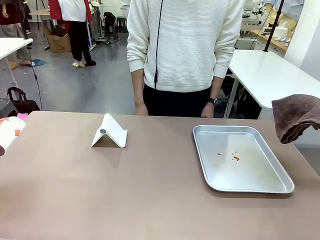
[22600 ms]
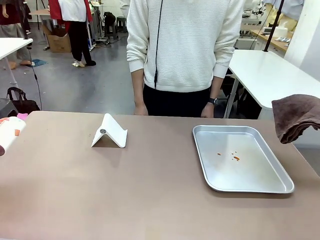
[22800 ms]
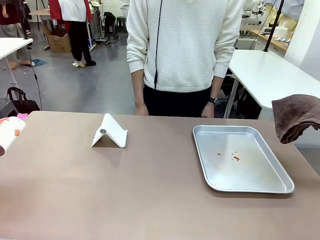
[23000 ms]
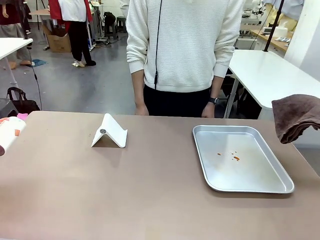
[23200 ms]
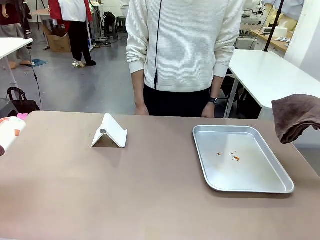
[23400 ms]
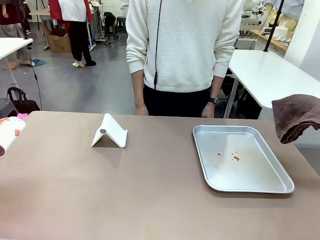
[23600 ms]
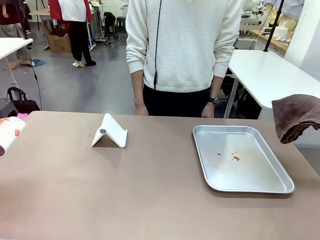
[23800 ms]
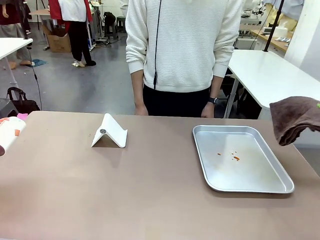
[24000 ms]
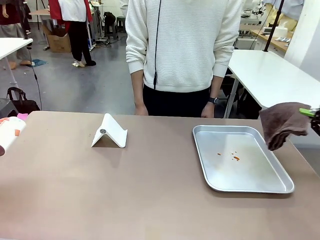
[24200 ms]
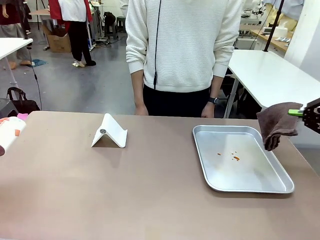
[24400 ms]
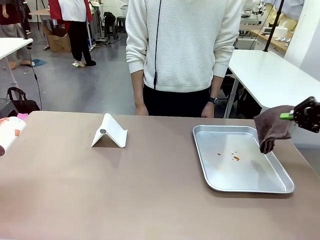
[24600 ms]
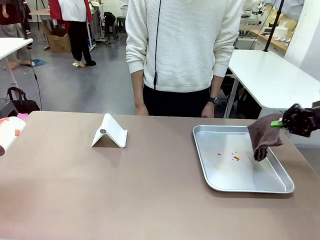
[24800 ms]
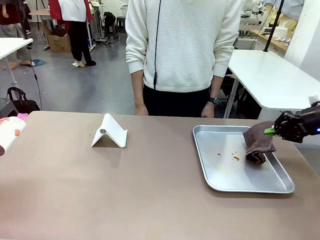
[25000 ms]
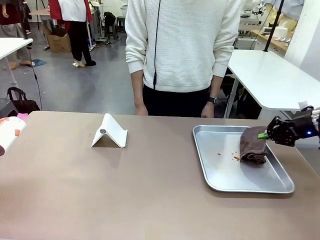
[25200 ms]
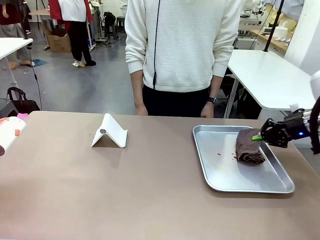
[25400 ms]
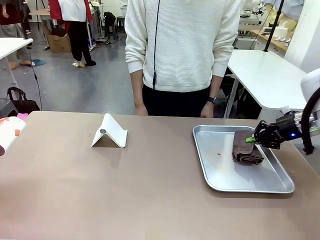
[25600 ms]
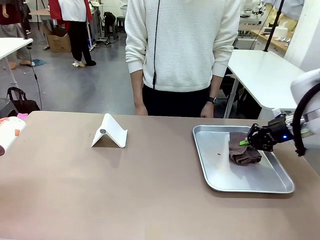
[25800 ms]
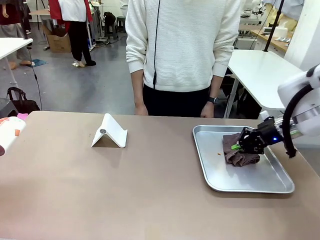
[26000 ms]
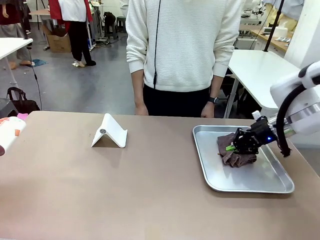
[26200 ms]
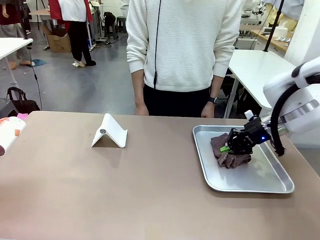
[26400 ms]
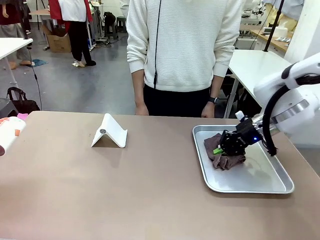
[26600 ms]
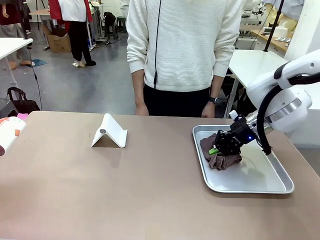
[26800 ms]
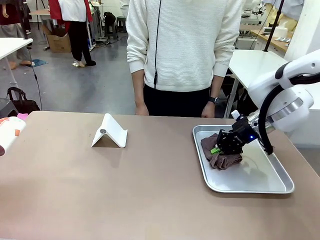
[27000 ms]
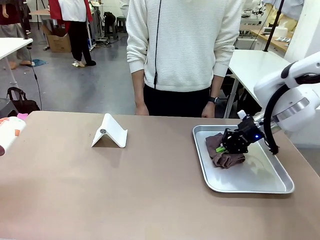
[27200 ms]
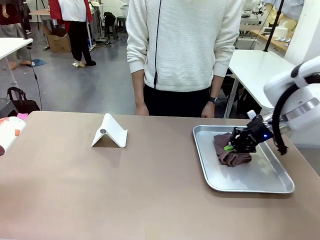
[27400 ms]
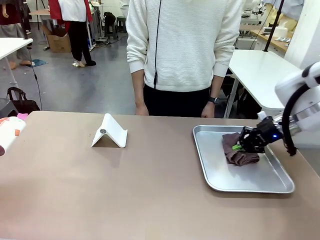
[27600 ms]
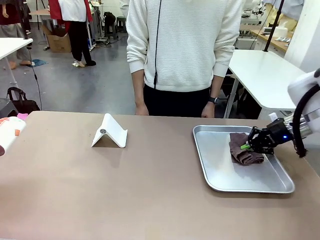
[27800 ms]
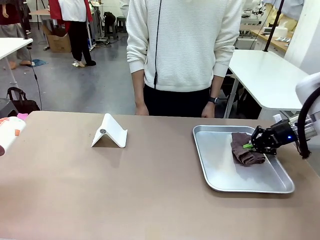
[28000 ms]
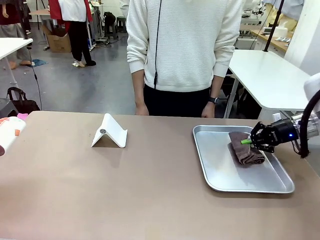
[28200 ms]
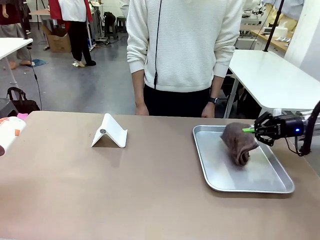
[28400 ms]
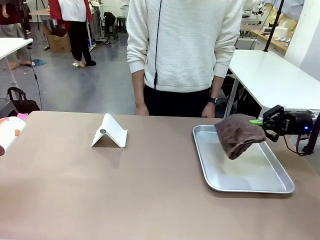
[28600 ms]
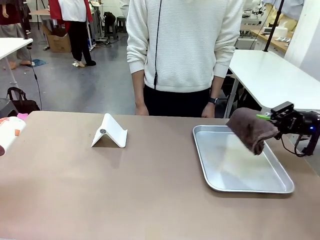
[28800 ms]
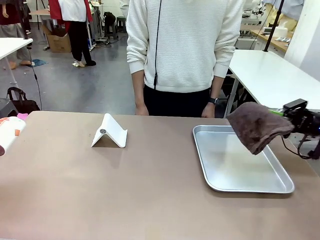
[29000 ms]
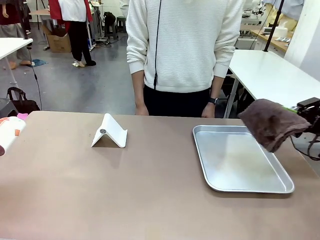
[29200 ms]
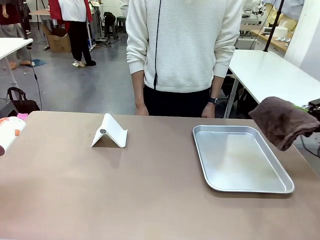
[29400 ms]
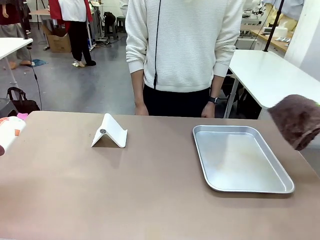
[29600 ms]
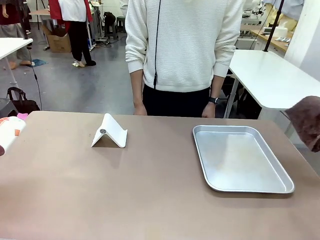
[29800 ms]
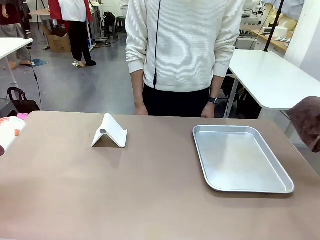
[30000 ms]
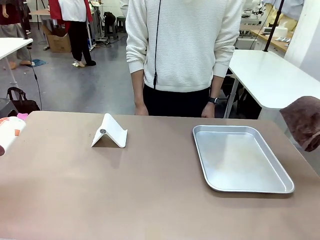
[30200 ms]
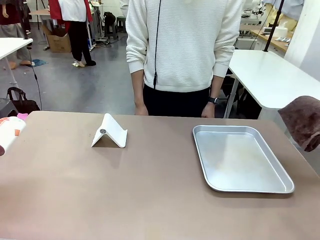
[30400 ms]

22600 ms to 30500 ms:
Task: Clean the surface of the table.
Robot: Clean the area not pointed to by the person.

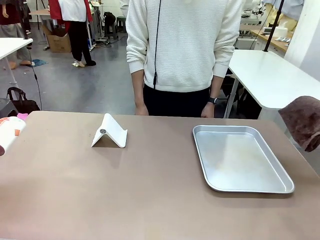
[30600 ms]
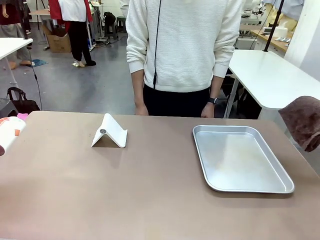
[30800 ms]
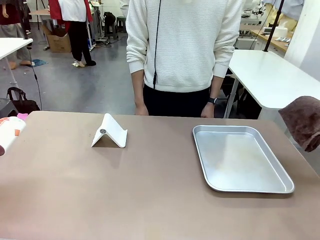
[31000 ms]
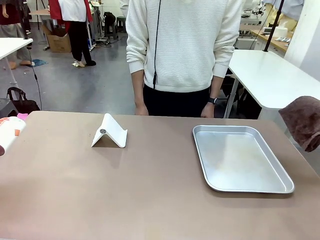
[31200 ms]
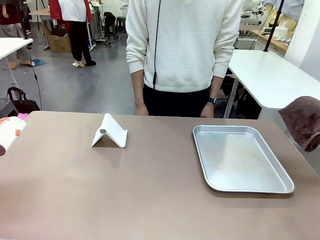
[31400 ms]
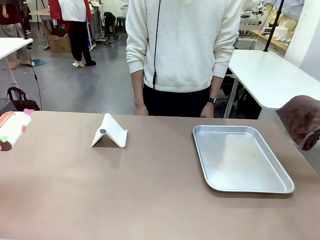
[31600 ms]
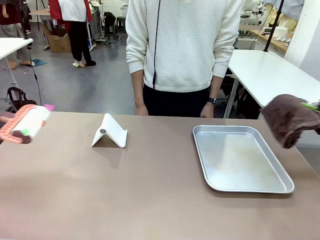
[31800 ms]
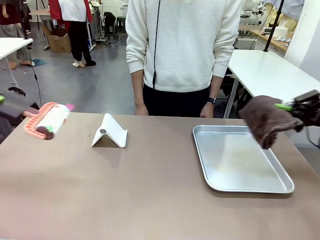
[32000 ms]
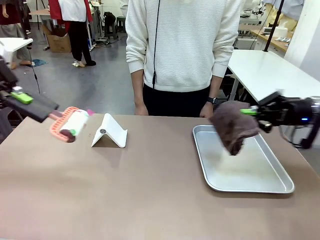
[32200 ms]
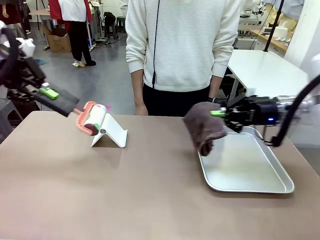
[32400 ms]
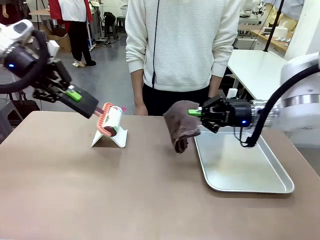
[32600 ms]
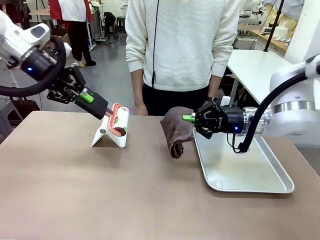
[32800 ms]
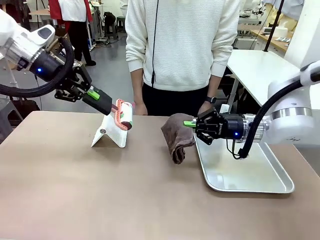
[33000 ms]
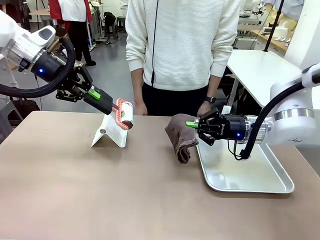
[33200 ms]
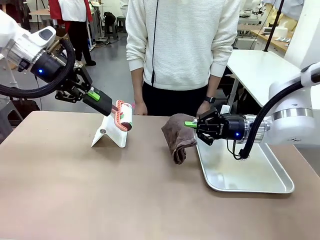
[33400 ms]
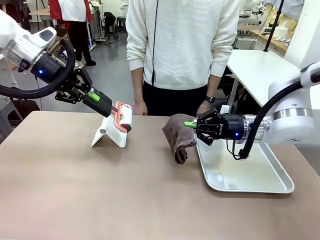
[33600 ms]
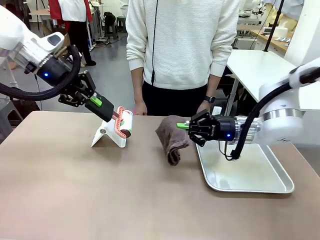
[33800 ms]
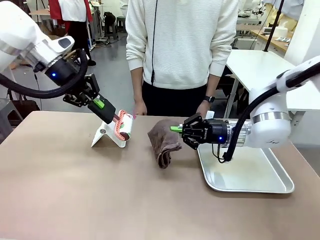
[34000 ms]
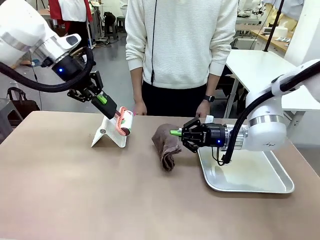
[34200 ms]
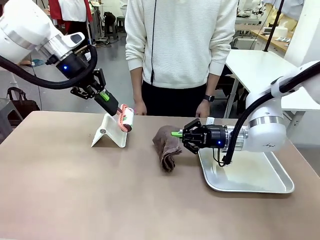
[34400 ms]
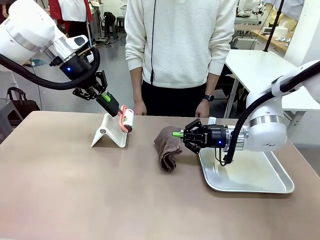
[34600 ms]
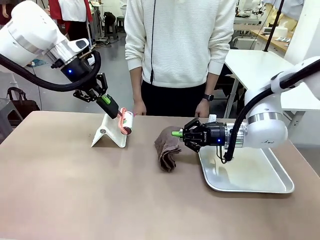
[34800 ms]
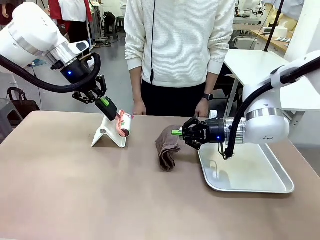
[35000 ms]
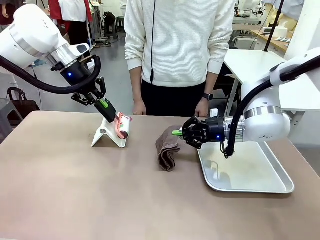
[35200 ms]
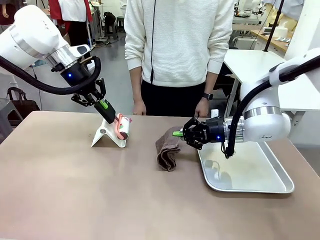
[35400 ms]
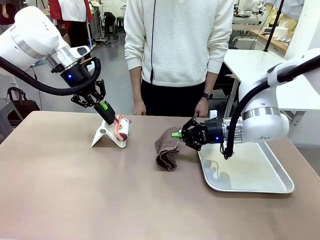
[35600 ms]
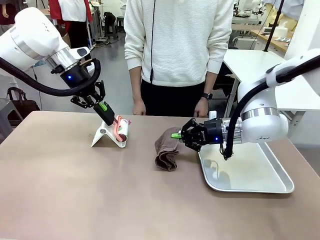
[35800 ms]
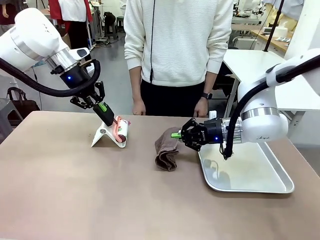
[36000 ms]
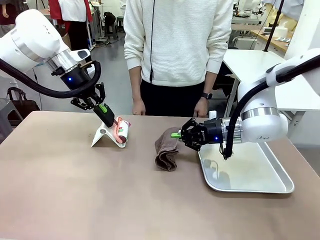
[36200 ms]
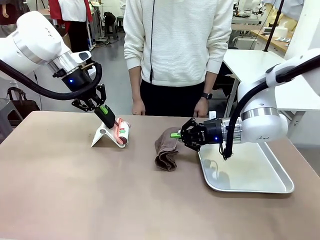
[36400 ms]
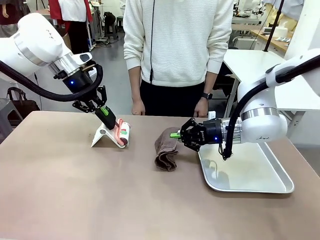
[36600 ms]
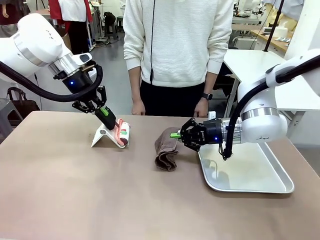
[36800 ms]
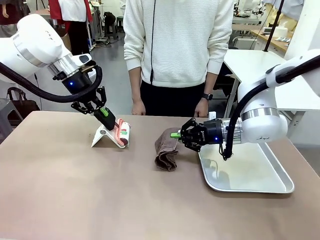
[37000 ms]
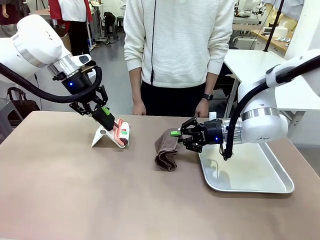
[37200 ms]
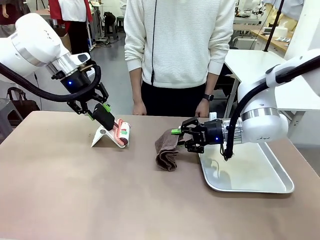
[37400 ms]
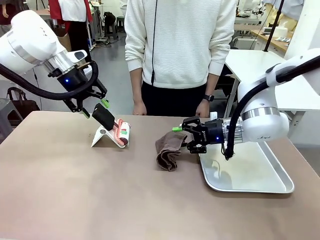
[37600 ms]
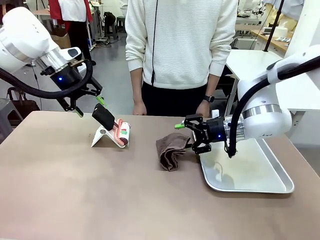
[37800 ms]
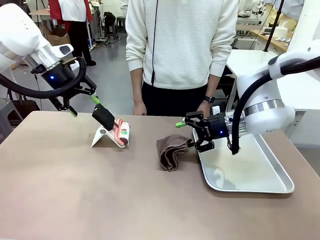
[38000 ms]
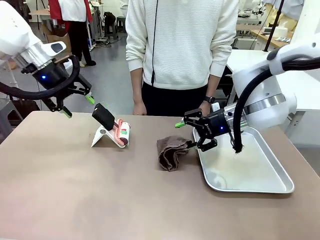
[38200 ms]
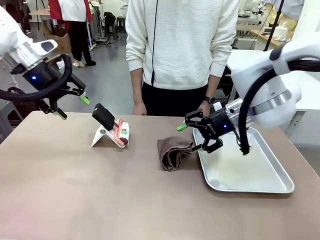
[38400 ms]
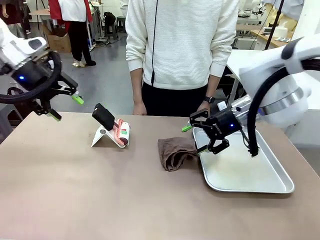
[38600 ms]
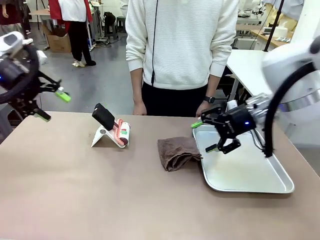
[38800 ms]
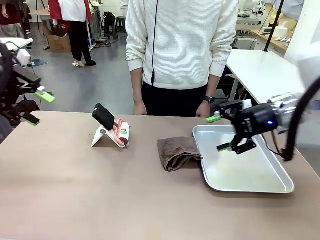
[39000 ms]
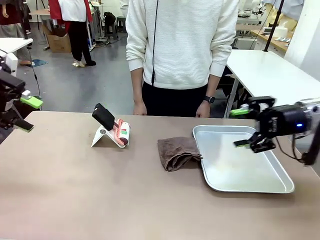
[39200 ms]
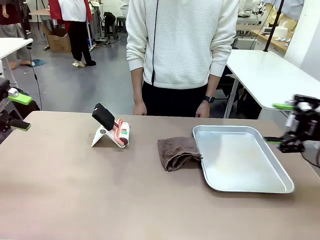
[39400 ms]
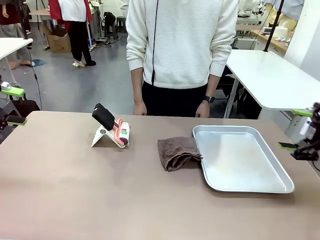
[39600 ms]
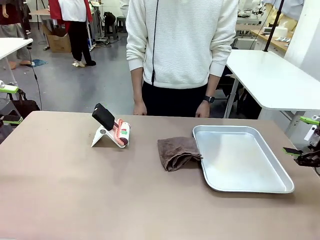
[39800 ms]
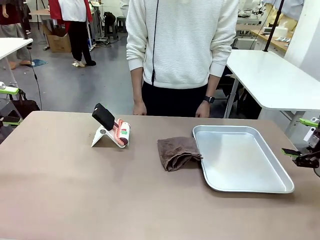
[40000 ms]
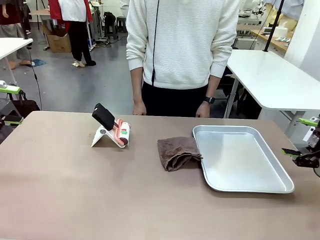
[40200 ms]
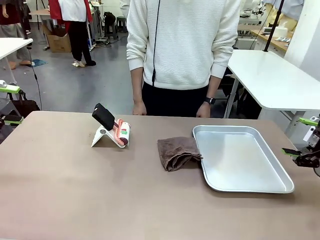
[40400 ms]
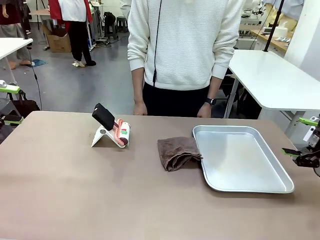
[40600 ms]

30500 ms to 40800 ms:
Robot: Return the Lint Roller and towel to their original positions.

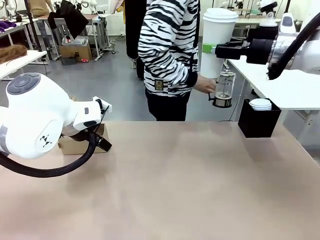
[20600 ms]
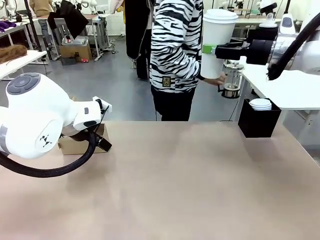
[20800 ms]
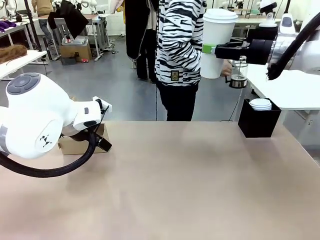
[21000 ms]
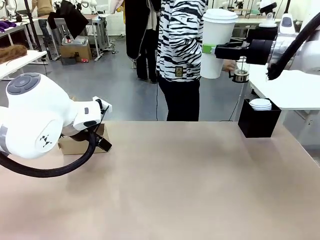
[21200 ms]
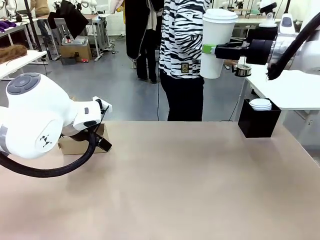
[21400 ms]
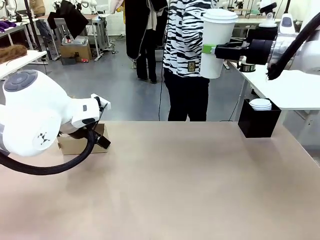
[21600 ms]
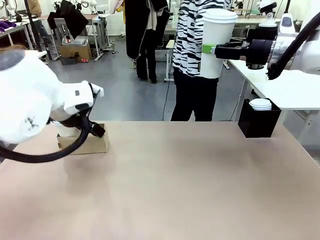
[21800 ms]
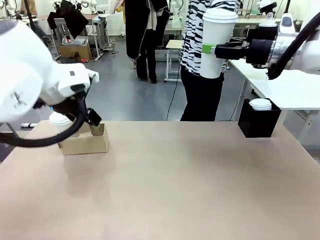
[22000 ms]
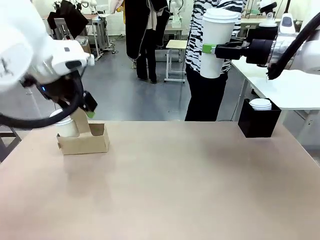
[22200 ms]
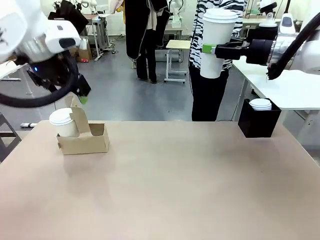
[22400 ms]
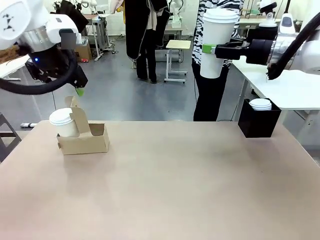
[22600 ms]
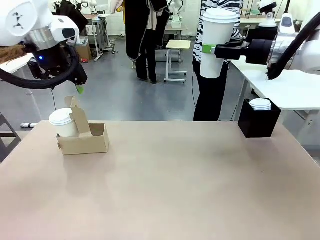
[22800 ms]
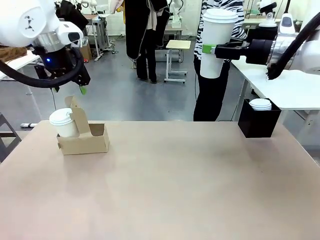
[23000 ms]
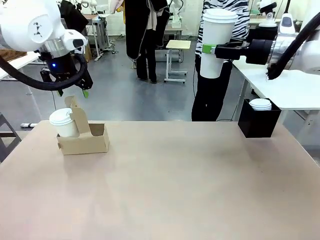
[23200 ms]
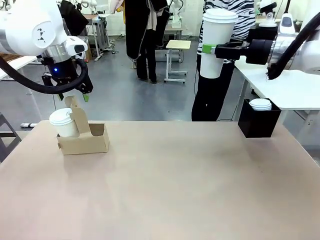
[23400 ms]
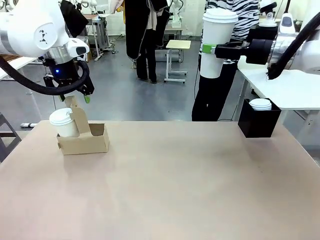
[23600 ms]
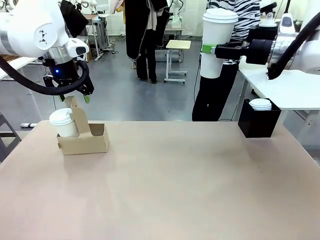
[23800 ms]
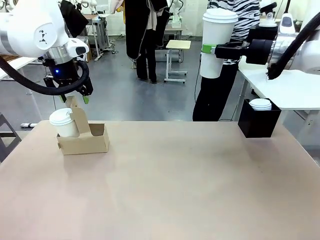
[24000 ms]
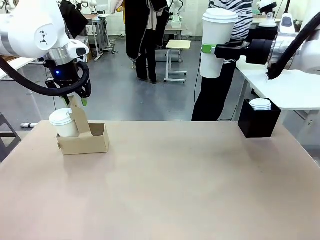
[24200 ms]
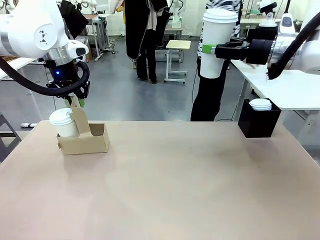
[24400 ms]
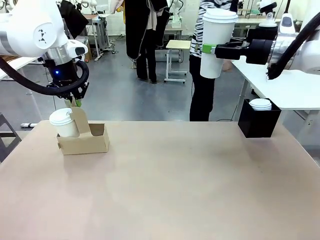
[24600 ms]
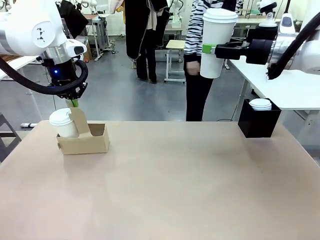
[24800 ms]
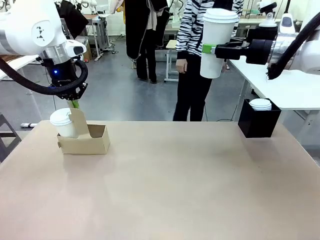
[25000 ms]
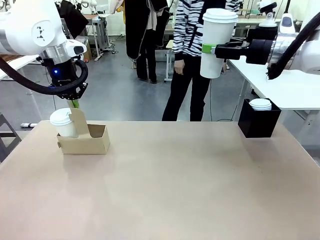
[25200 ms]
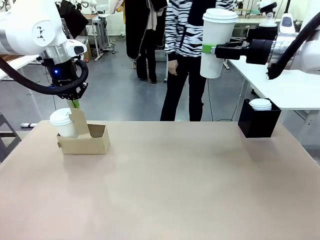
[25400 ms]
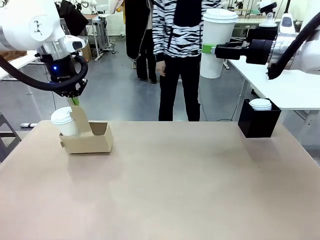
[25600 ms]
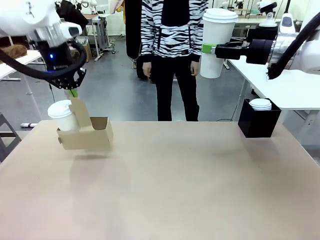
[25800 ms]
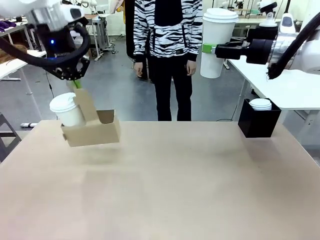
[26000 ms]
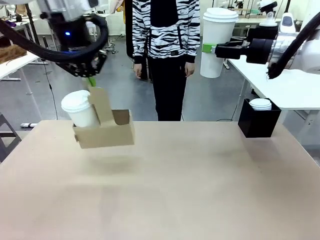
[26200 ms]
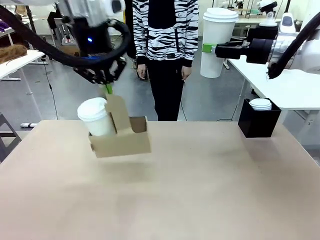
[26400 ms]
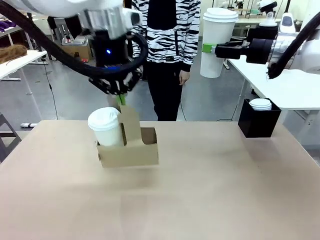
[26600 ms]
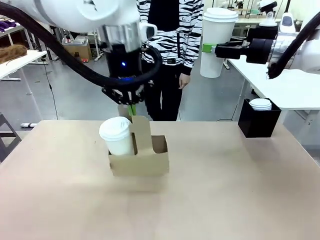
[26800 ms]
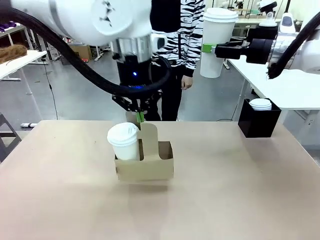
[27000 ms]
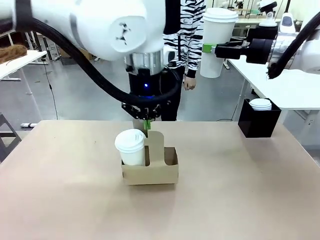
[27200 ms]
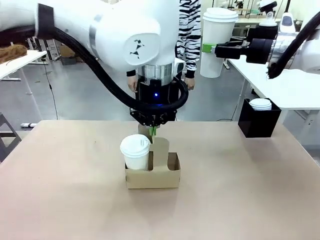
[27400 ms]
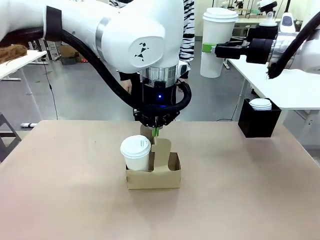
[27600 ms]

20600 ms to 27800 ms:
Task: Pour a drink into a cup and package it in a carrier.
Robot: Position the Cup Carrier in the center of the table.
Person: Pick up the Filter Brewing and place on the middle of Human table, and return to the Robot table.
